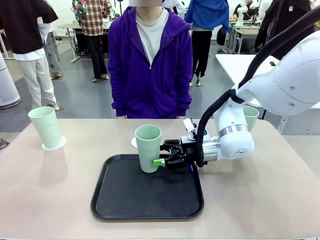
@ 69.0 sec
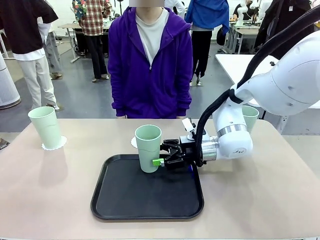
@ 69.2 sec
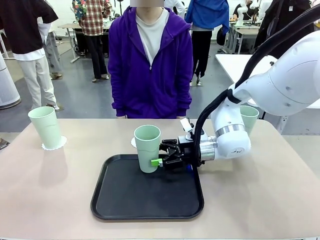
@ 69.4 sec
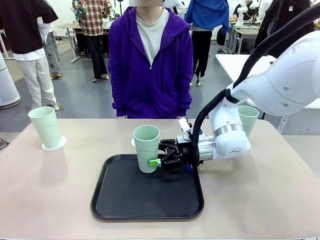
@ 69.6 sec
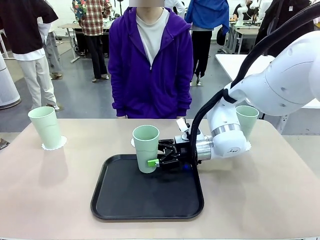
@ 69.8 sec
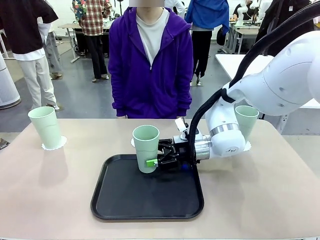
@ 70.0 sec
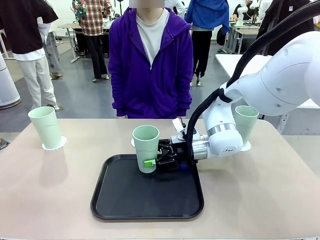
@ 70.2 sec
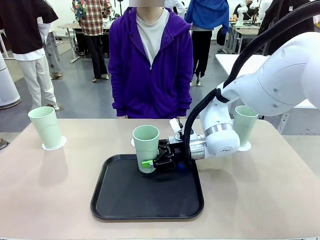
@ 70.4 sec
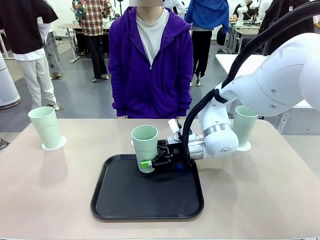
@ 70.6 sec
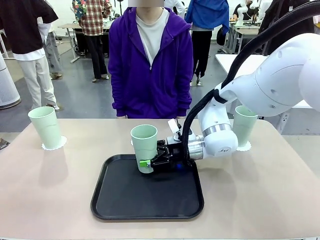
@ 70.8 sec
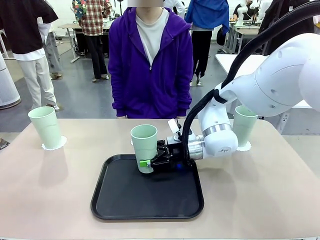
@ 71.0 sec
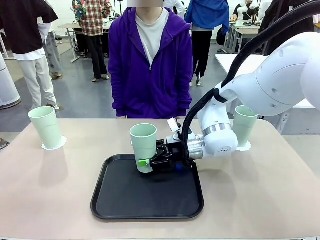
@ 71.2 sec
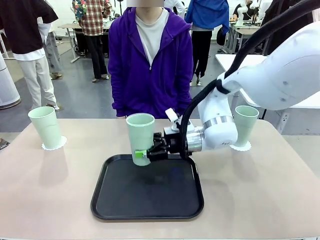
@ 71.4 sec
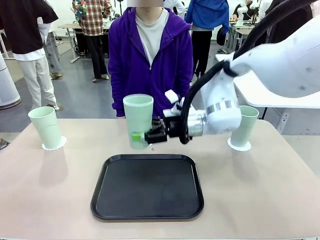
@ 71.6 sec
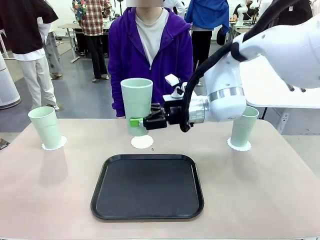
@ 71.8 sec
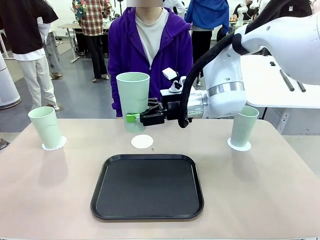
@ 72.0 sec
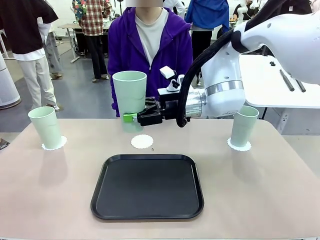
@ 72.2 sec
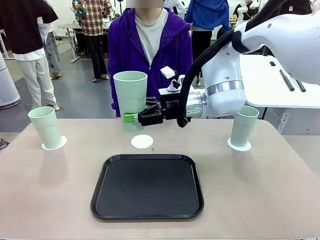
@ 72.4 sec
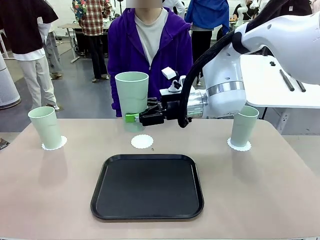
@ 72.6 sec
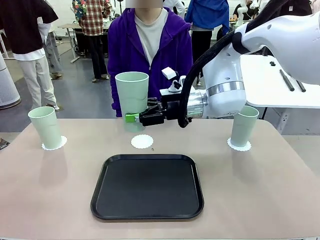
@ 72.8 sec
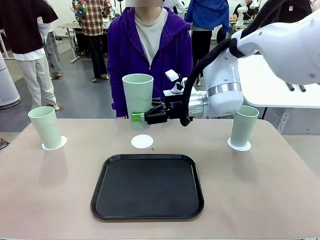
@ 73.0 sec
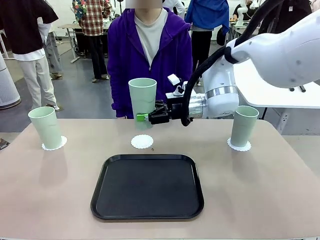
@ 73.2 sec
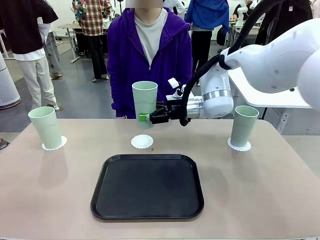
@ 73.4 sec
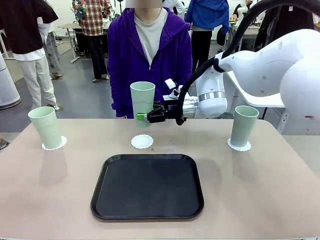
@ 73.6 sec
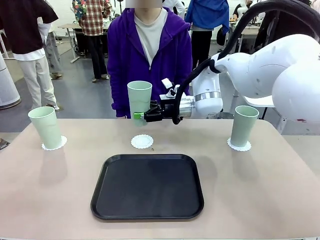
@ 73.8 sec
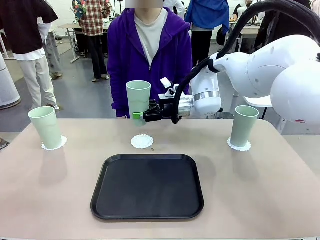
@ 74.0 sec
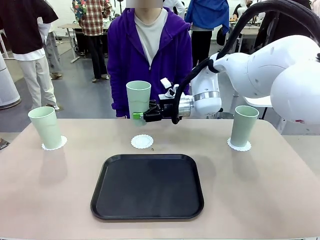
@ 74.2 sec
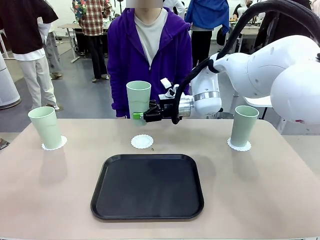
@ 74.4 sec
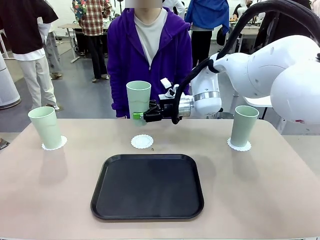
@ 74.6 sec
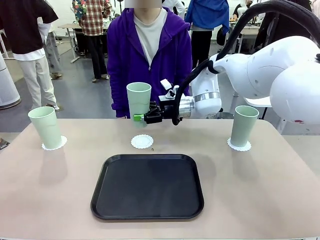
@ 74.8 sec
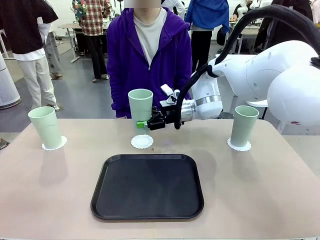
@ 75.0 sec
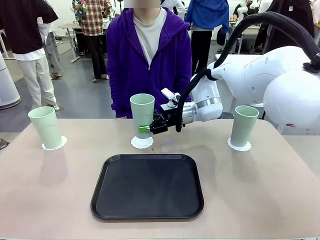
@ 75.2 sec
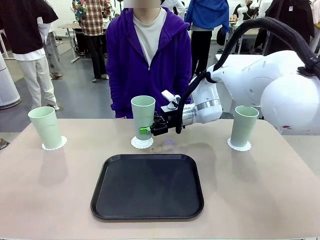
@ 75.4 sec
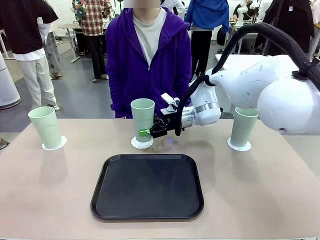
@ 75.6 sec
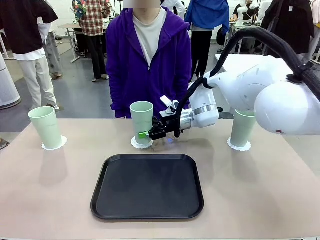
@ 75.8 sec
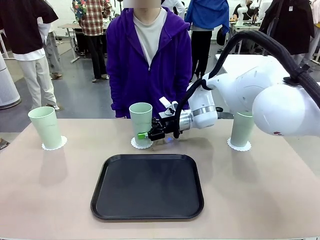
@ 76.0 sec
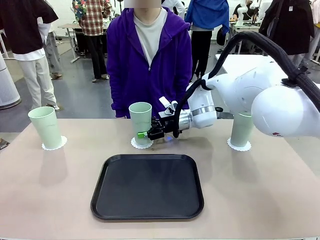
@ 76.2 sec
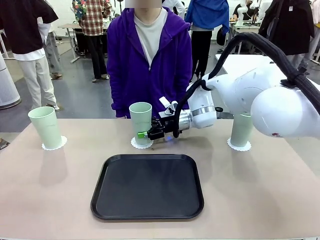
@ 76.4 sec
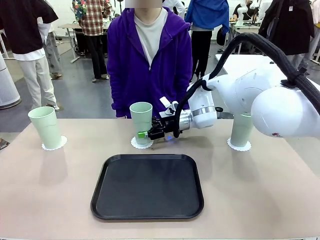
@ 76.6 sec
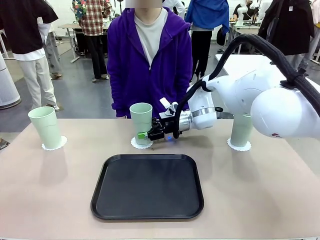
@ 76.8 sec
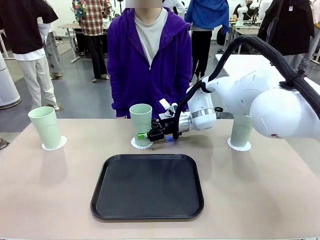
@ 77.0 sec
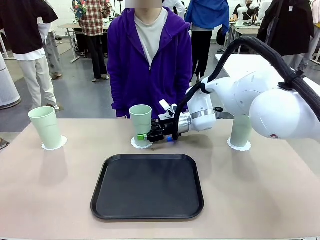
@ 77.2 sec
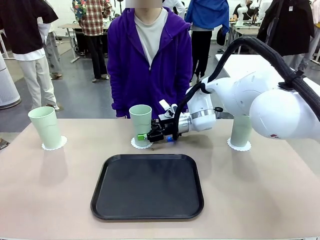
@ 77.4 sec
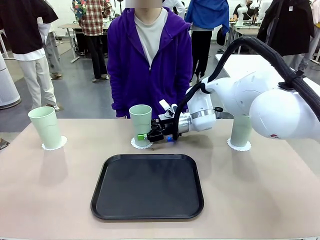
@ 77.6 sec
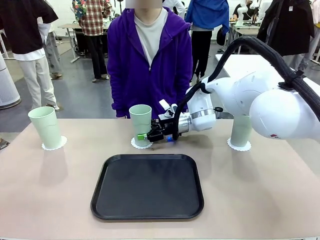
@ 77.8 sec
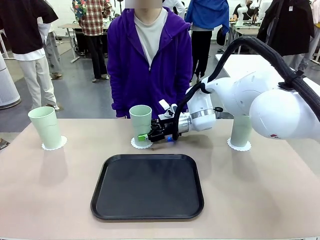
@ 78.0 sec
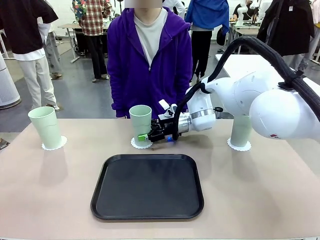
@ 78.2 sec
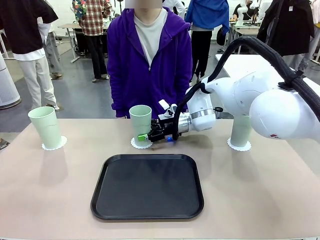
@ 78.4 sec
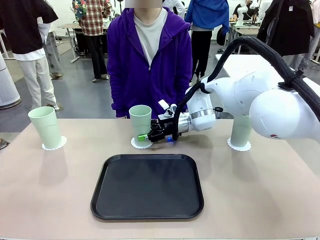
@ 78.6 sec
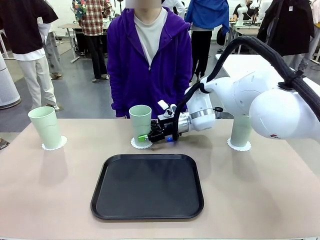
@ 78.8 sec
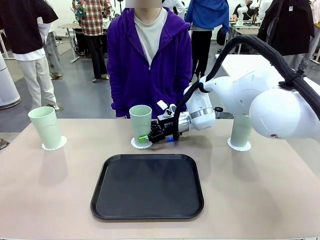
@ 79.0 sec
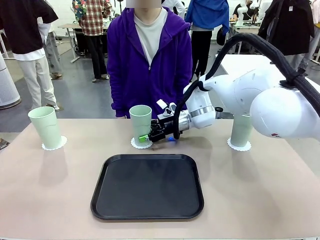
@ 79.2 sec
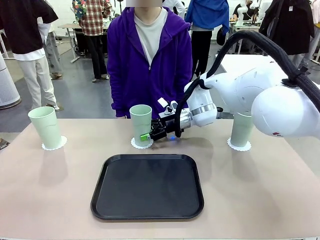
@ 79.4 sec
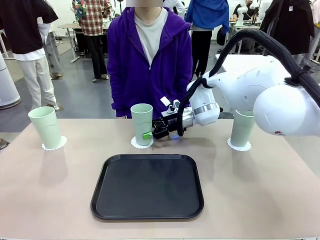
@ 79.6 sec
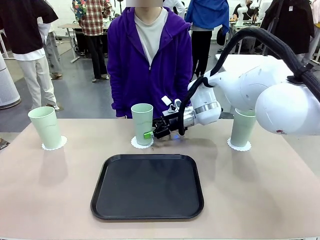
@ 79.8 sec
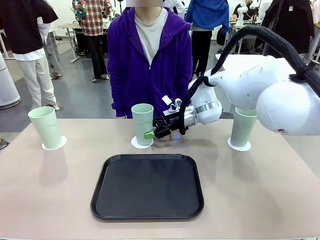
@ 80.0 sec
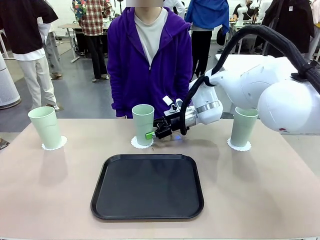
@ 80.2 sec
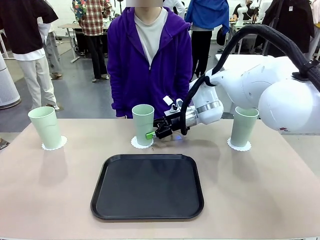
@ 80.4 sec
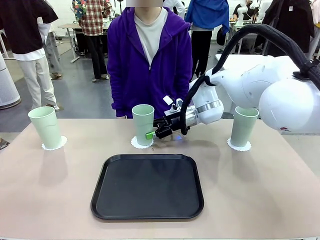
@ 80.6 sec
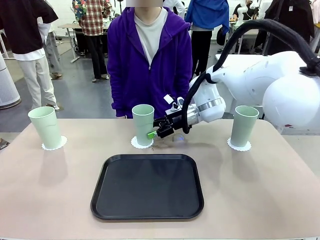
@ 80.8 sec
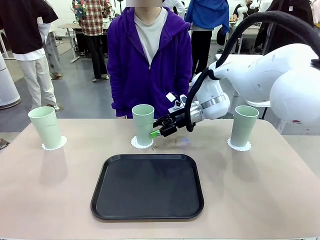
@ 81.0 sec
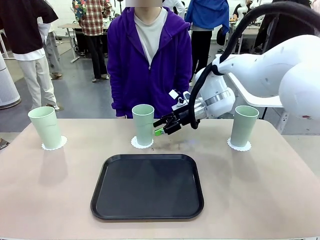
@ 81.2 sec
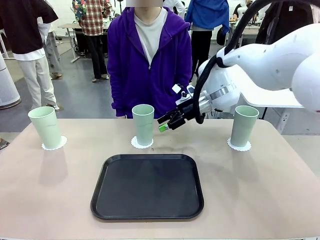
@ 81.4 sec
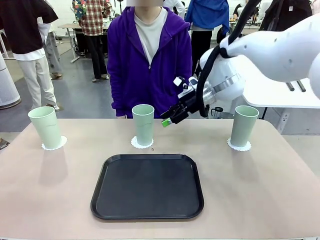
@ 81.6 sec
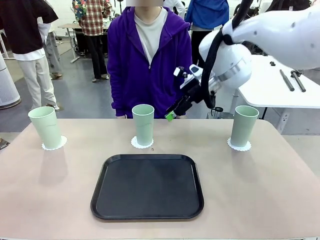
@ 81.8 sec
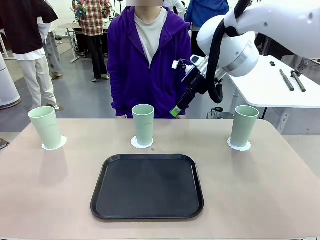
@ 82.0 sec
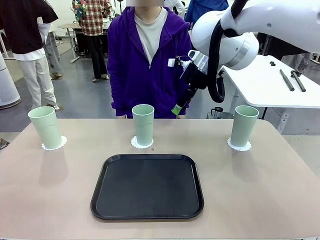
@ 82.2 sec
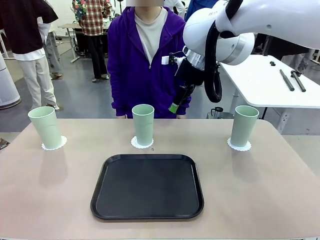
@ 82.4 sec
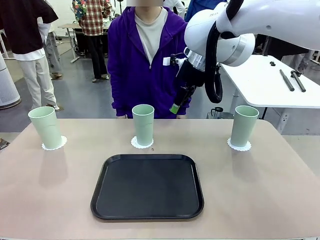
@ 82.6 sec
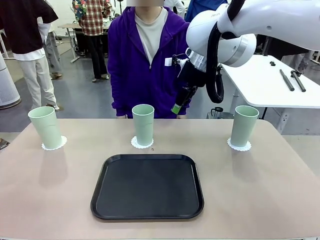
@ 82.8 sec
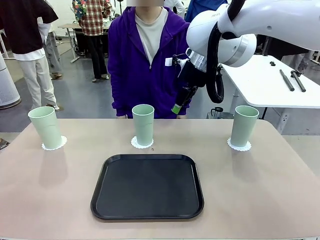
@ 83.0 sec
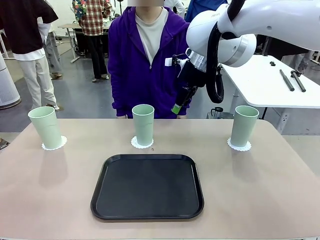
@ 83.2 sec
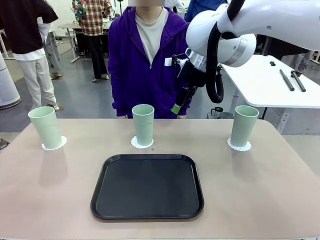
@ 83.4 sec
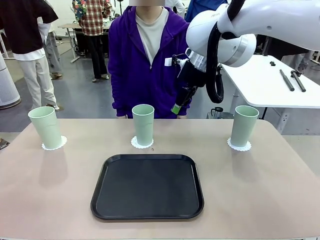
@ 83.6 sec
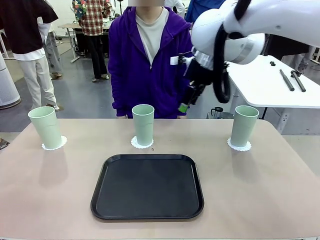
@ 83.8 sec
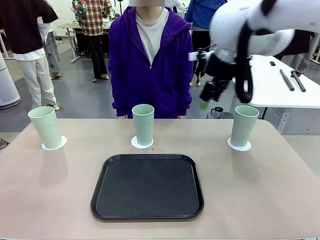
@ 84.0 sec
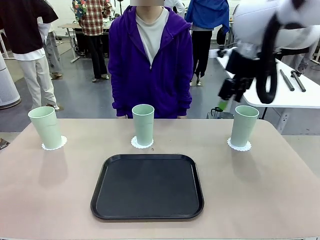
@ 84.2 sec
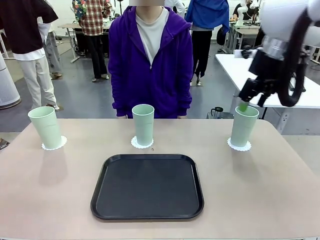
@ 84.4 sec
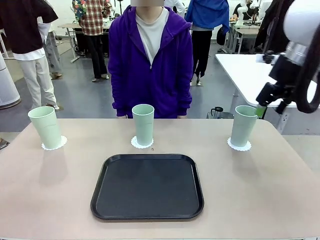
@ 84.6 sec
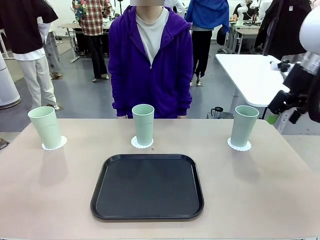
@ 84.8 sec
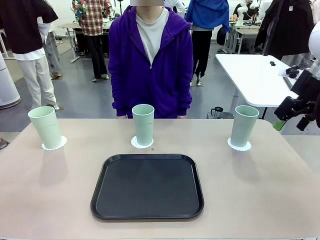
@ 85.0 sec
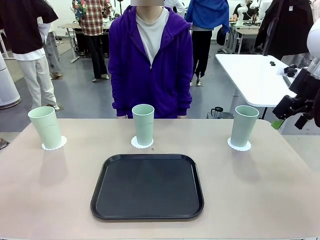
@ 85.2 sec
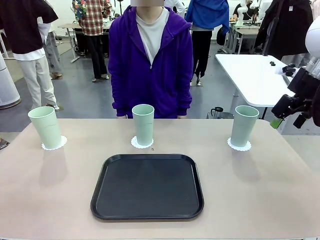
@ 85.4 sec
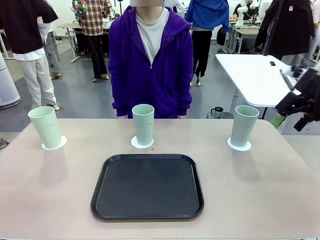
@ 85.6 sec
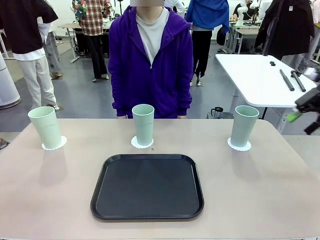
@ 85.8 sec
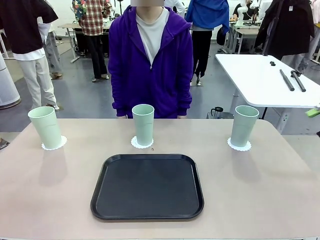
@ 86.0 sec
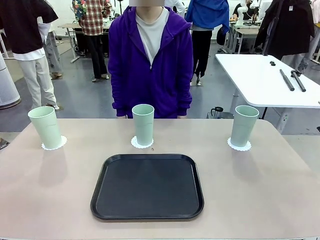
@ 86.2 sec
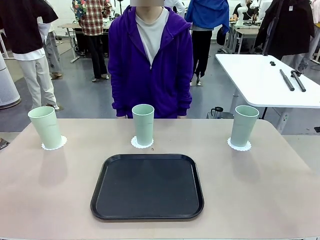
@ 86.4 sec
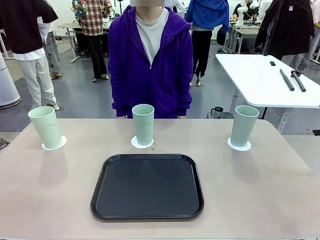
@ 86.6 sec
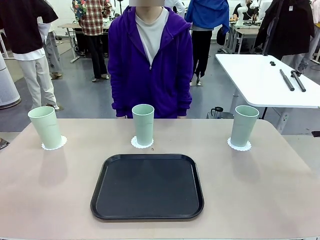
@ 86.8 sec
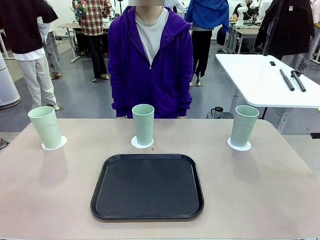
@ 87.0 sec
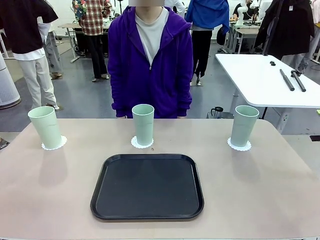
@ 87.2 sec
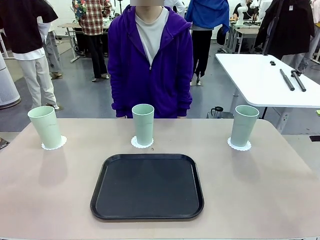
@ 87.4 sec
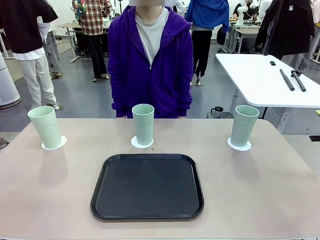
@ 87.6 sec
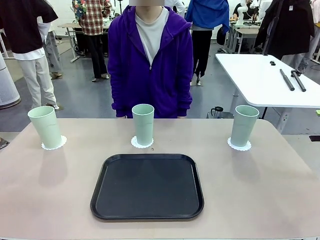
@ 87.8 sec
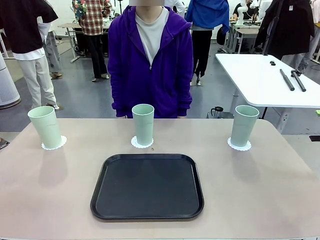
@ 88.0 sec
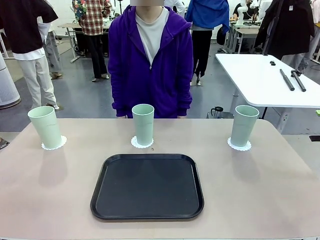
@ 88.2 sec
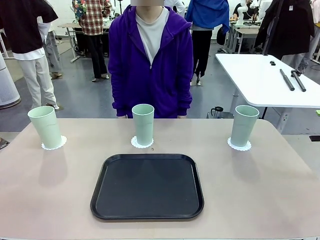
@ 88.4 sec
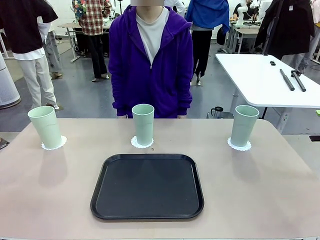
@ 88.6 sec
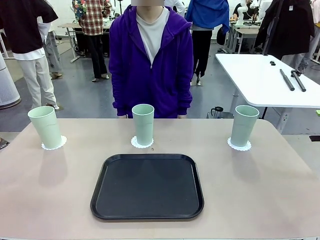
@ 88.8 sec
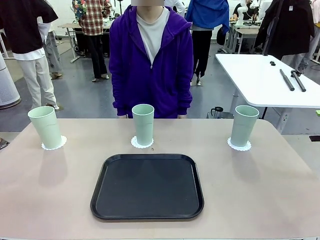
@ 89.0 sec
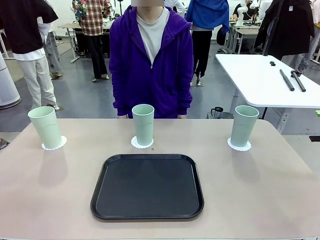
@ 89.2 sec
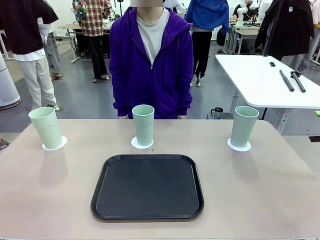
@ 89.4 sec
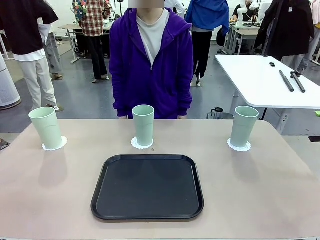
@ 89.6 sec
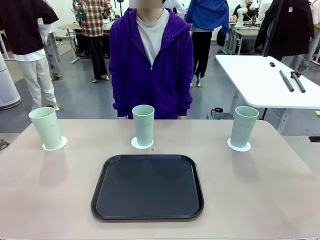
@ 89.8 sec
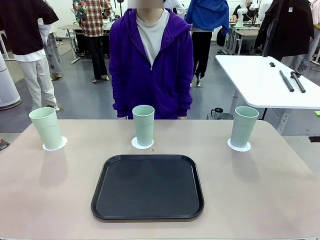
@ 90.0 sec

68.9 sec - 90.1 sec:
Task: Place coasters on the table and set cups on them.
Robot: Take one Reusable plastic cup from the Flat Tray and place it on a coaster set by the human.
